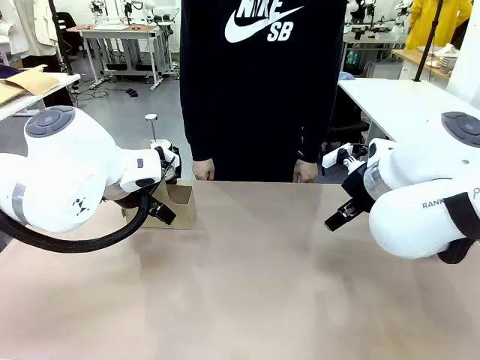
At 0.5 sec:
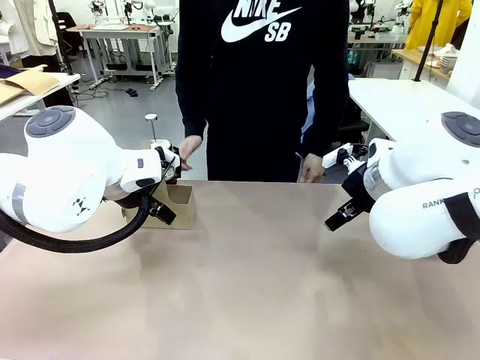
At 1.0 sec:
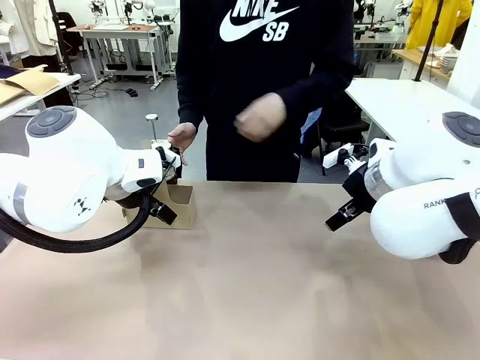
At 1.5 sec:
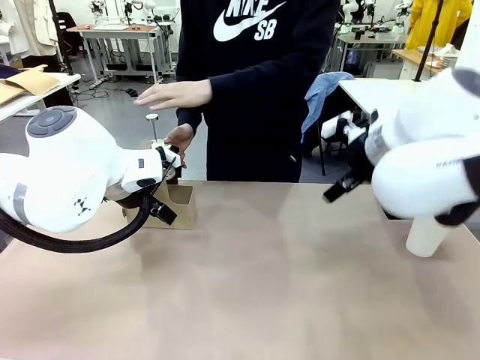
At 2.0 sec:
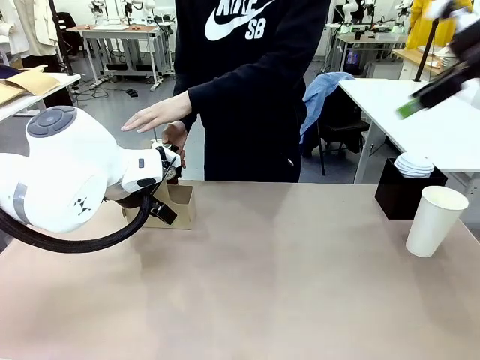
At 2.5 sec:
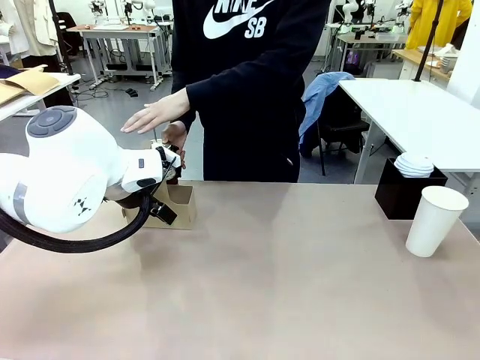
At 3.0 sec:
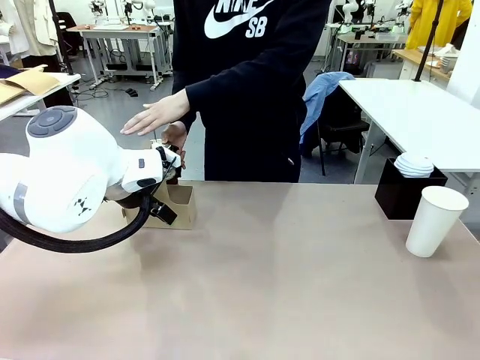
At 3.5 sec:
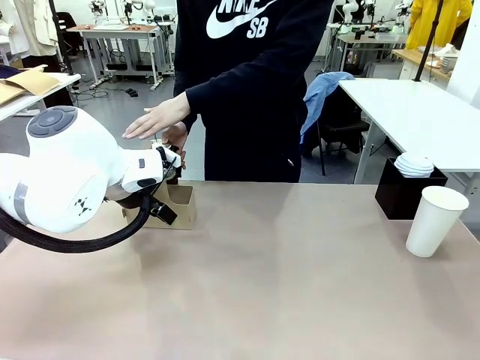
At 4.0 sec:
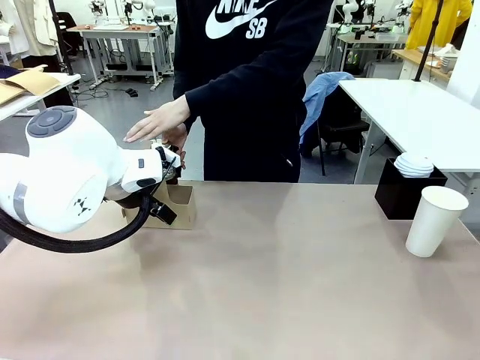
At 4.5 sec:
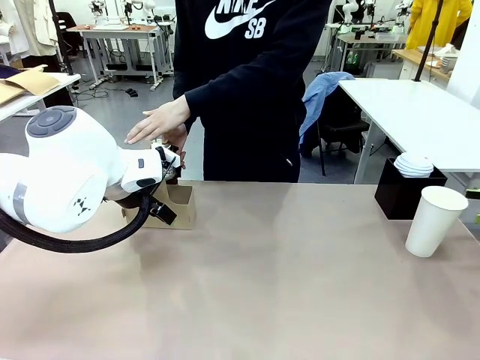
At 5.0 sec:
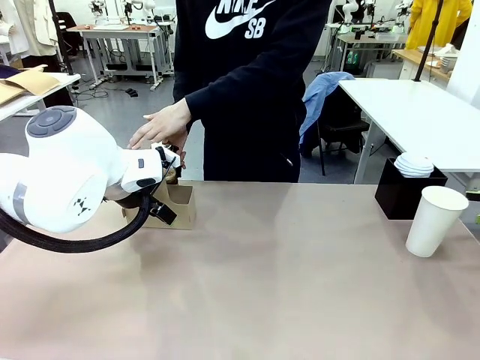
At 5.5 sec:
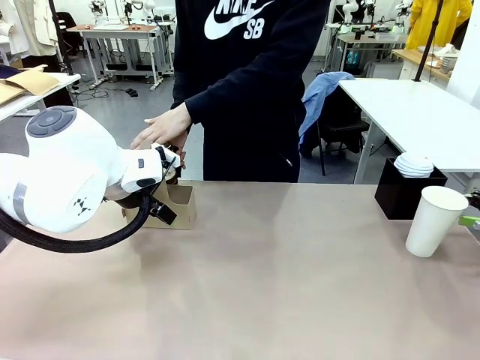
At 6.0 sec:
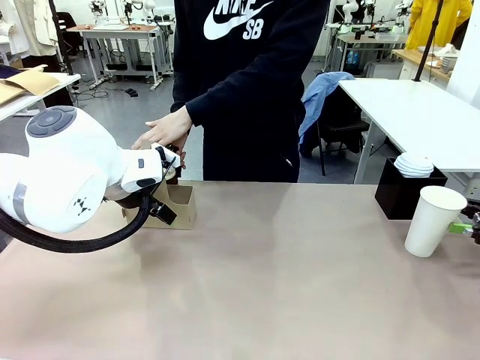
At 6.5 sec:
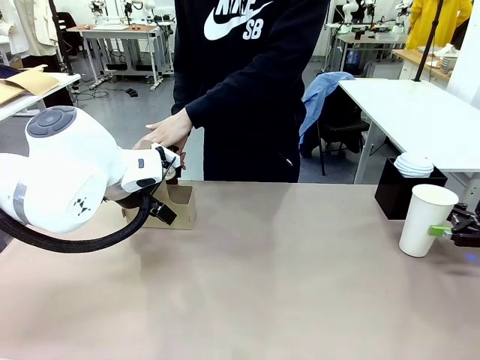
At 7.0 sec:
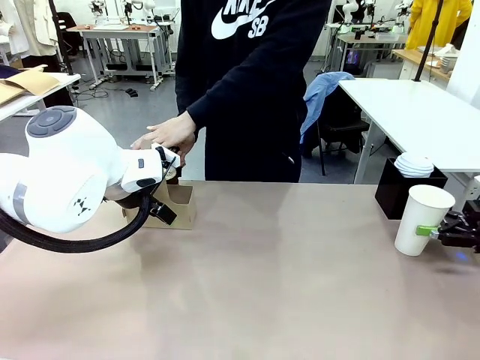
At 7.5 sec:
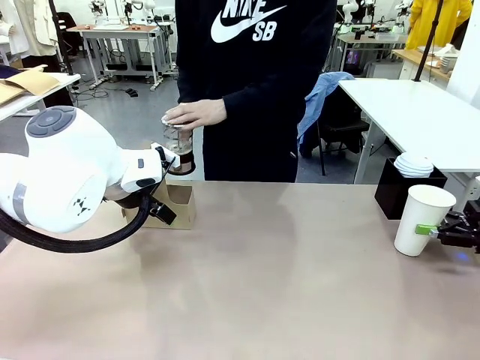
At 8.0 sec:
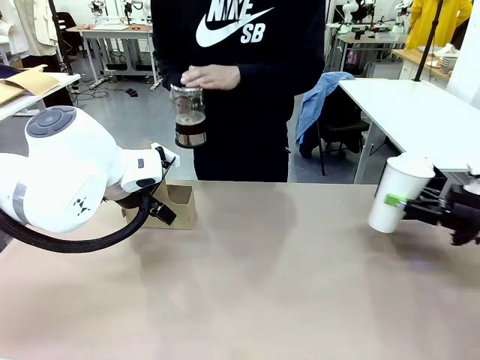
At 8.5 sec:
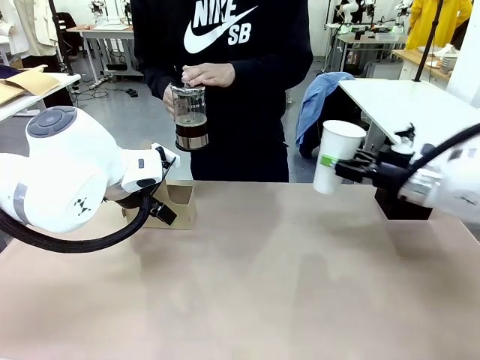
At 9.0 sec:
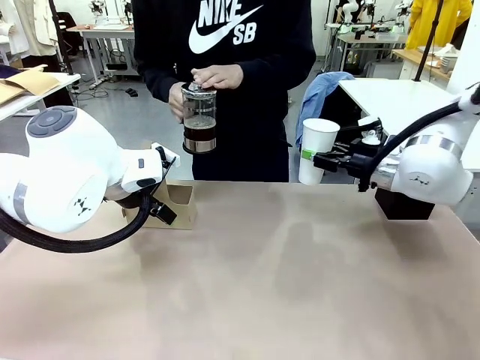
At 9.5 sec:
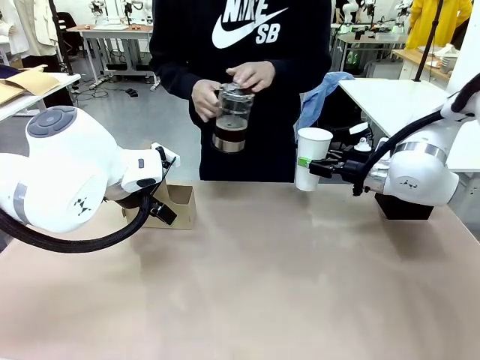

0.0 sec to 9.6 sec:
Task: Pour a drink into a cup and package it in a carrier.
Robot: Pick up the 600 ml Paper Cup and place it in the middle top area of the table.
Person: Press and pick up the Filter Brewing.

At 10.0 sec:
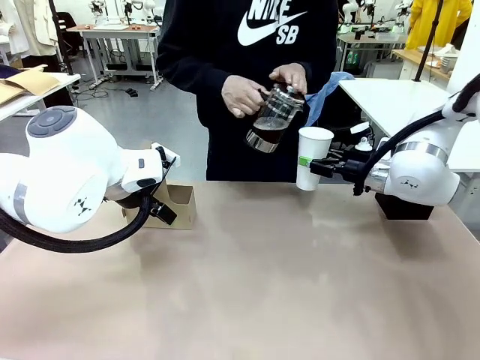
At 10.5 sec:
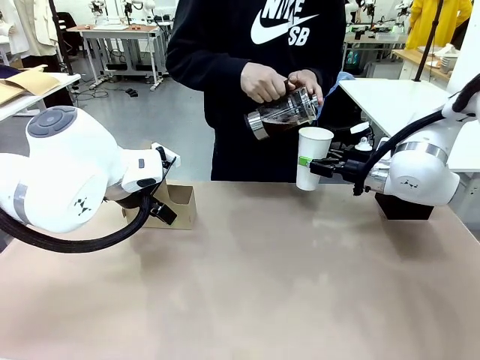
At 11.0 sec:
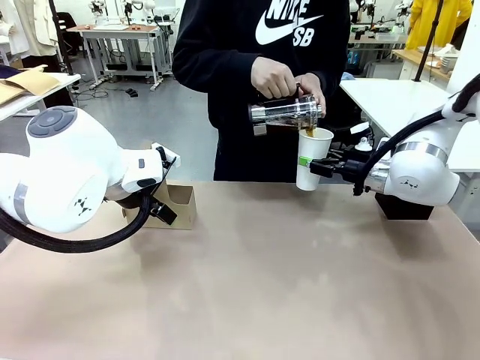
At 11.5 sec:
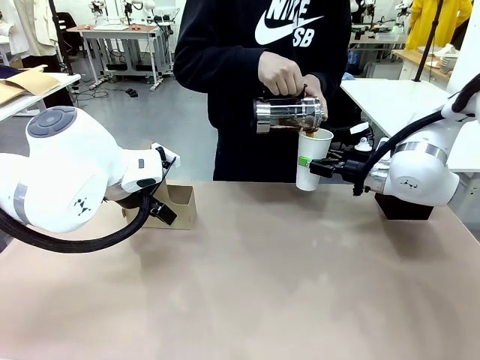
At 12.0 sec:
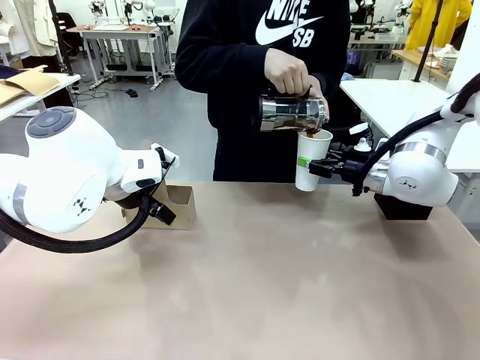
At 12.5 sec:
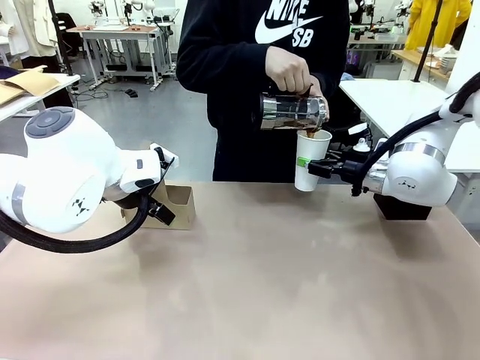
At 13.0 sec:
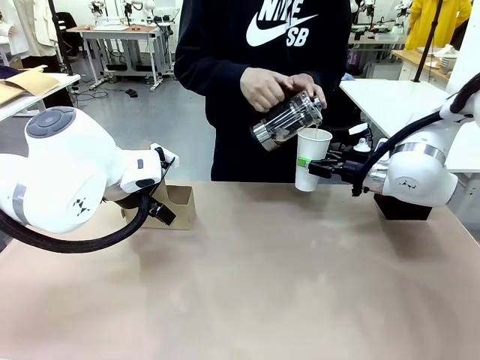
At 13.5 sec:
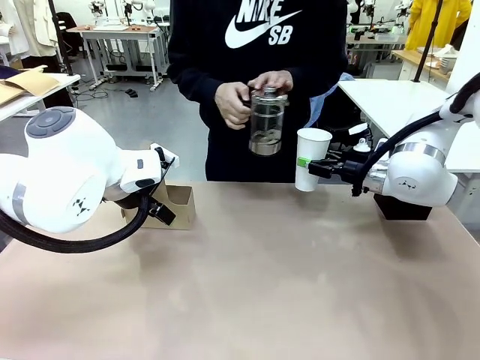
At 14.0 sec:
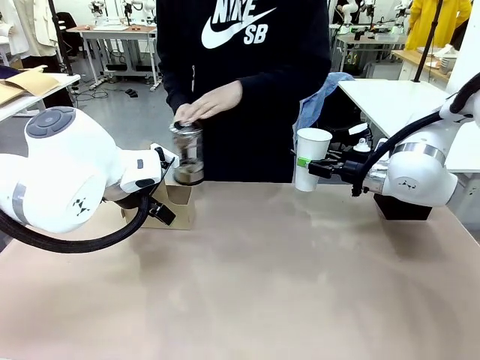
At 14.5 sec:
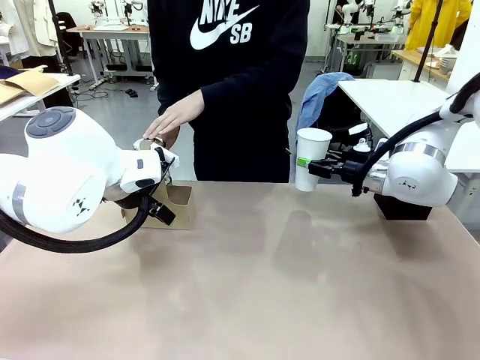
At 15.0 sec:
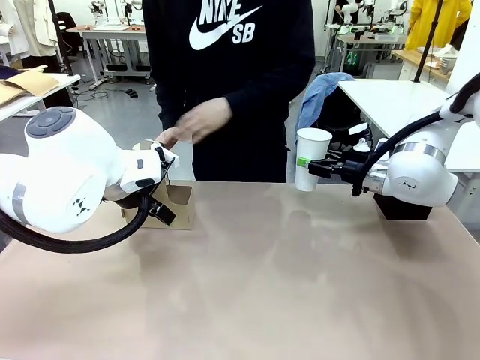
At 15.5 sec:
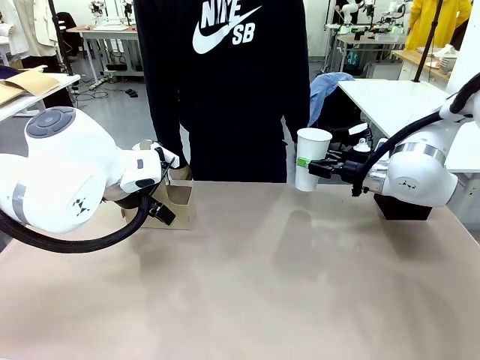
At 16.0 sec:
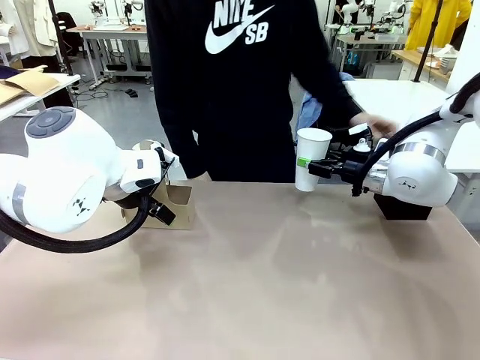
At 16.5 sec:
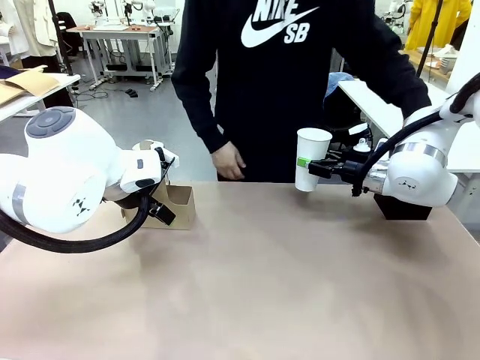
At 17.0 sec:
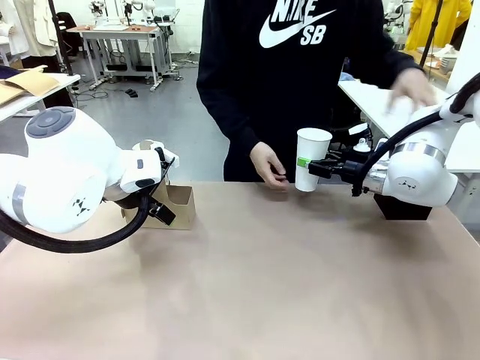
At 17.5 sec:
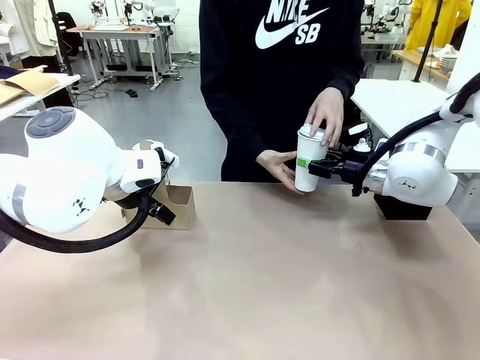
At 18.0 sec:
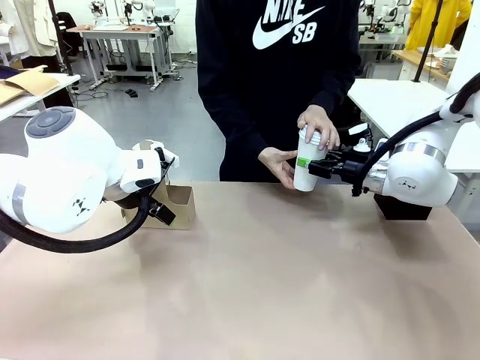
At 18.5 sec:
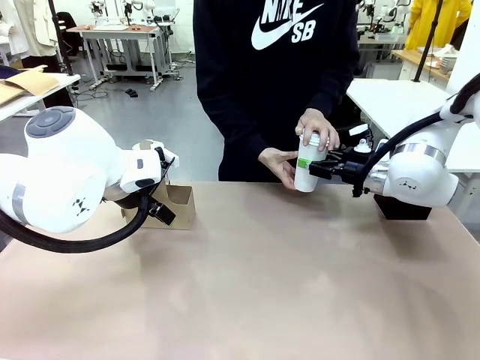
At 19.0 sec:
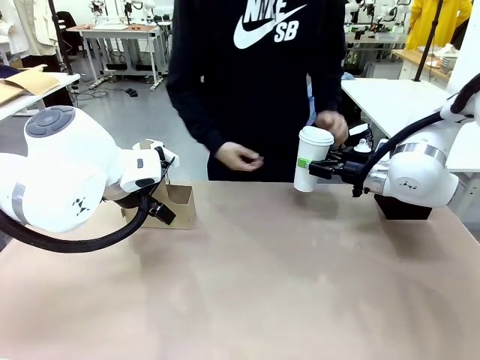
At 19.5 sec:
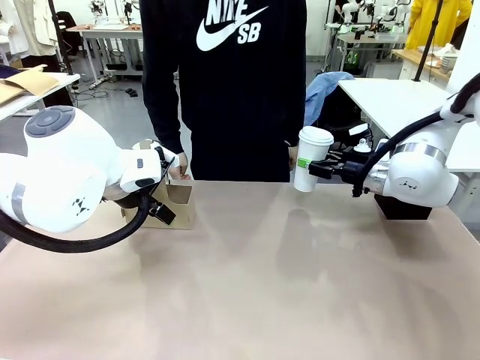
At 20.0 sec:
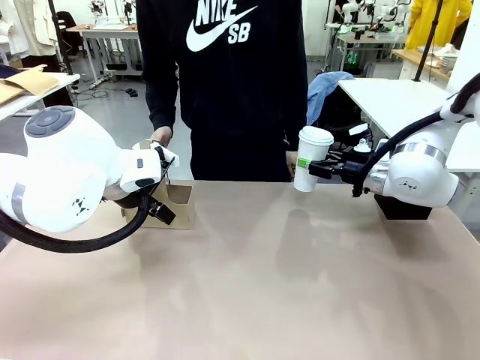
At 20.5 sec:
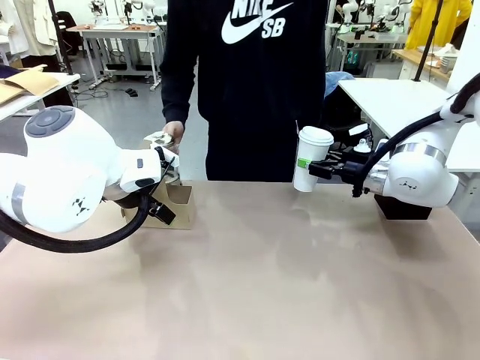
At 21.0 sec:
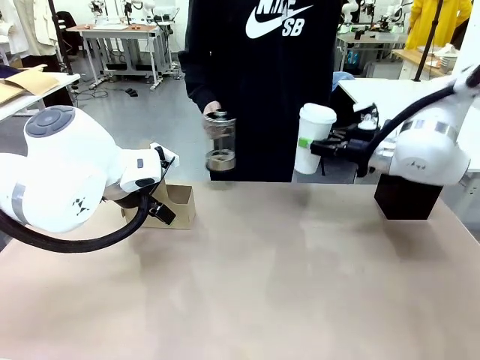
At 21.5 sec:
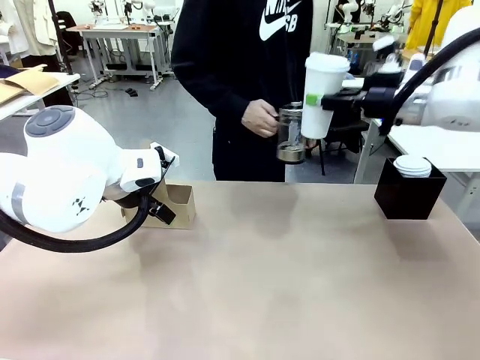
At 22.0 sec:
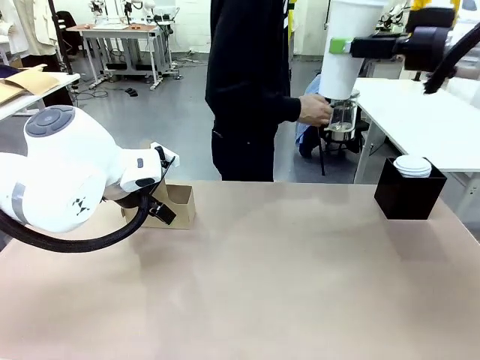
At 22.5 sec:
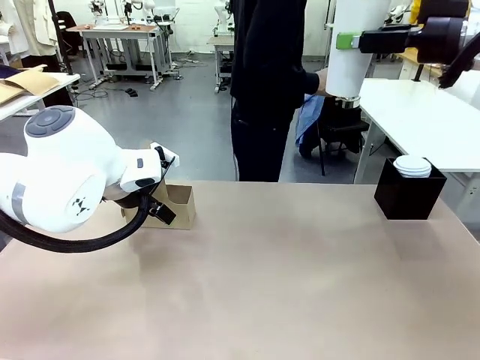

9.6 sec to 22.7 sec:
Robot: When a person places the Paper Cup Lid on the 600 ml Paper Cup , lift the 600 ml Paper Cup.
Person: Pour the drink from the Filter Brewing into the 600 ml Paper Cup. Place a Paper Cup Lid on the 600 ml Paper Cup.

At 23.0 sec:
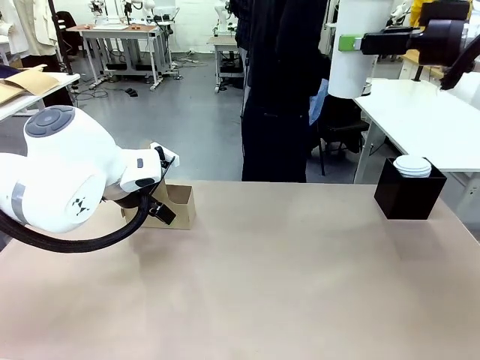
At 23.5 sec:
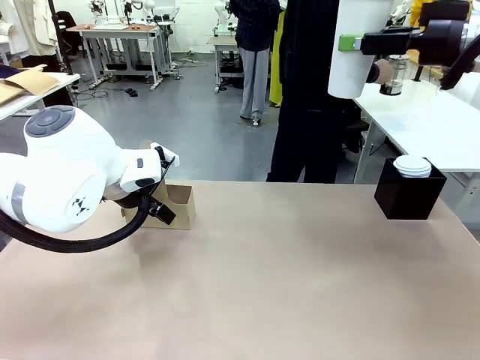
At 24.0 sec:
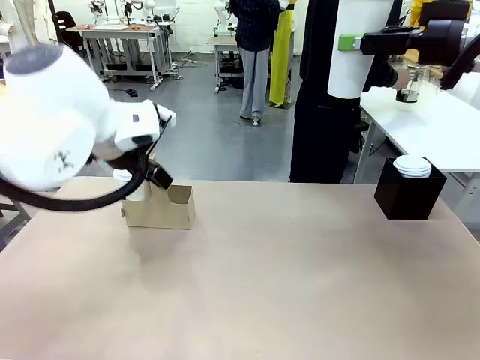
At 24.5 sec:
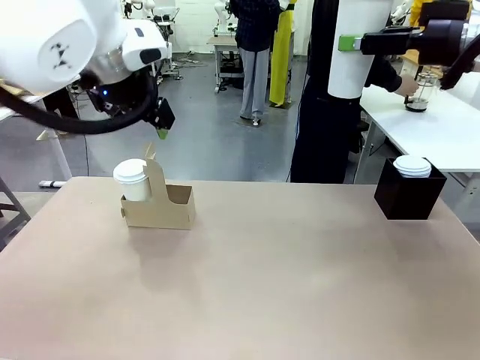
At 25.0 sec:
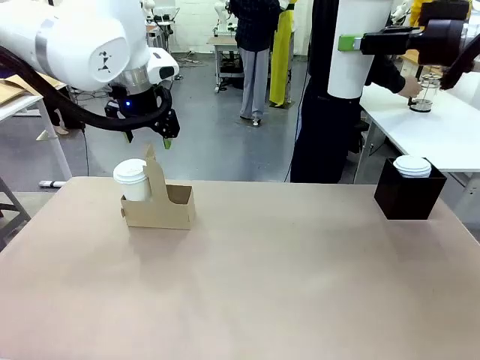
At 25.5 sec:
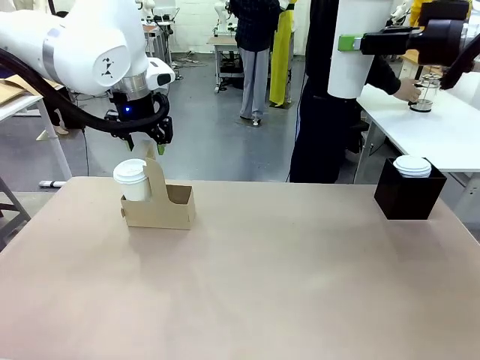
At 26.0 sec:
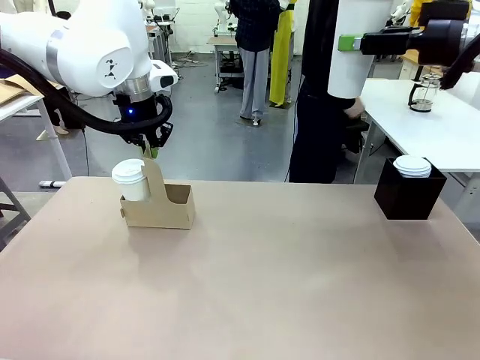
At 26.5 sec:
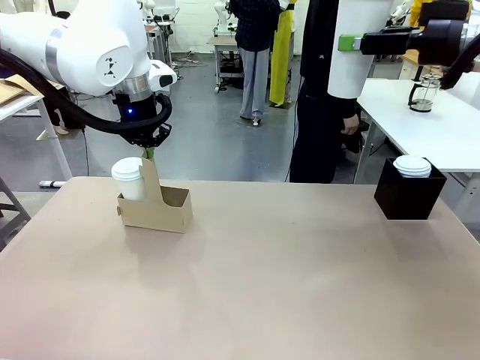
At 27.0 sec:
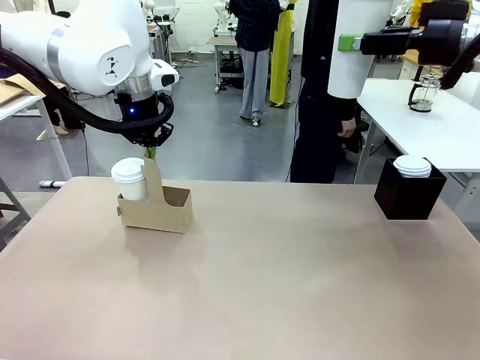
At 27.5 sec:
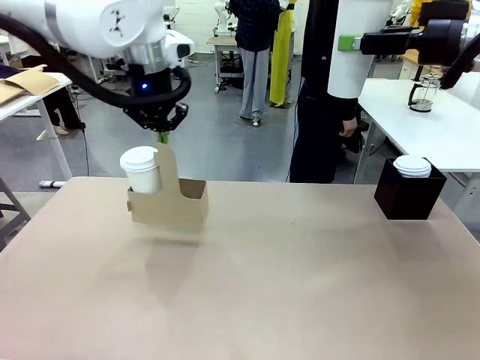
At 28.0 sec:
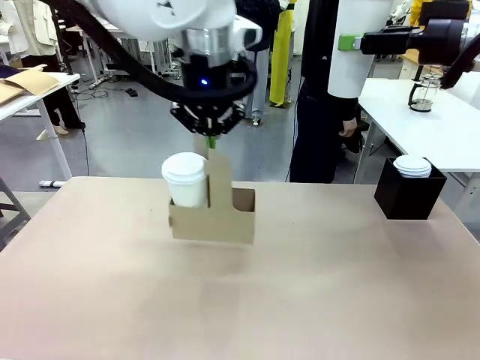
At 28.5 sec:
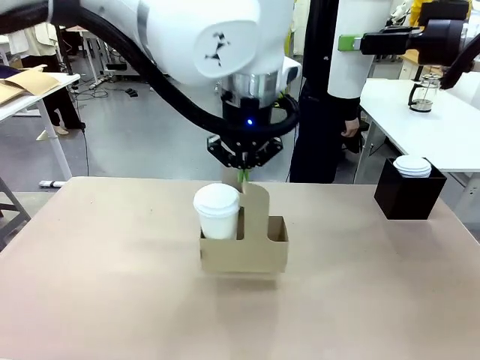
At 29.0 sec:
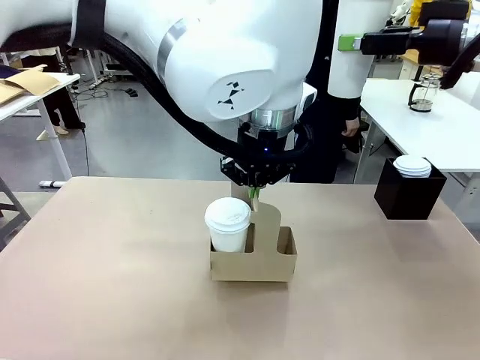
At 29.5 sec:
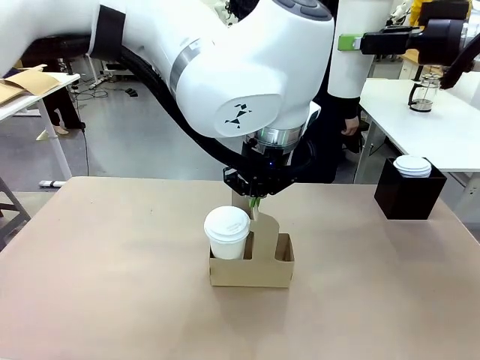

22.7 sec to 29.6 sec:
Robot: Position the Cup Carrier in the center of the table.
